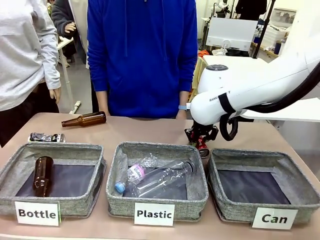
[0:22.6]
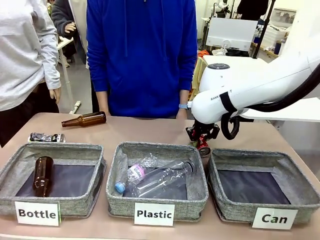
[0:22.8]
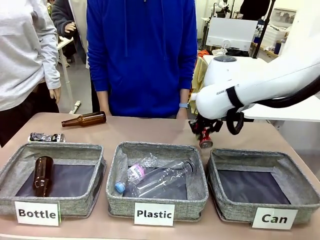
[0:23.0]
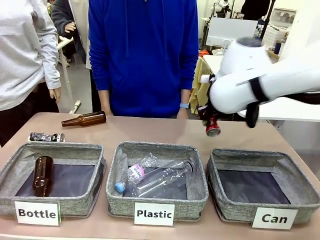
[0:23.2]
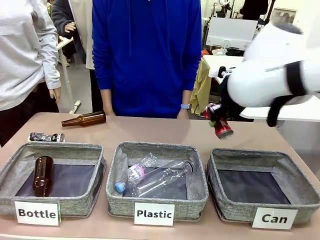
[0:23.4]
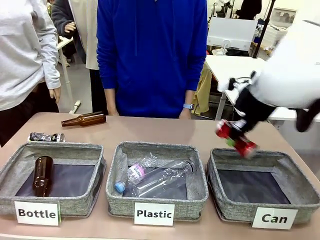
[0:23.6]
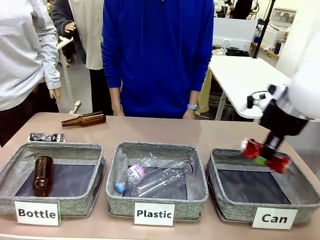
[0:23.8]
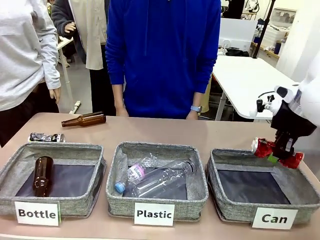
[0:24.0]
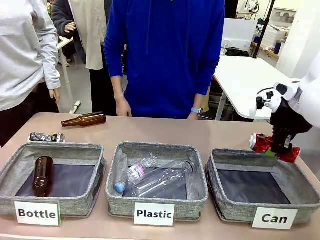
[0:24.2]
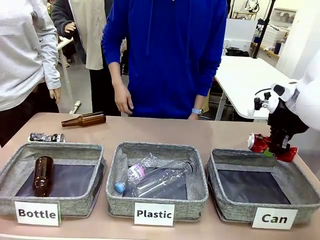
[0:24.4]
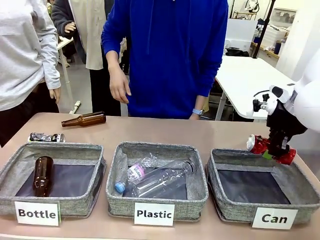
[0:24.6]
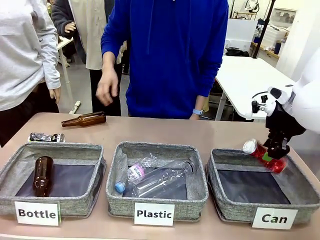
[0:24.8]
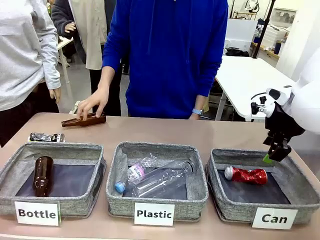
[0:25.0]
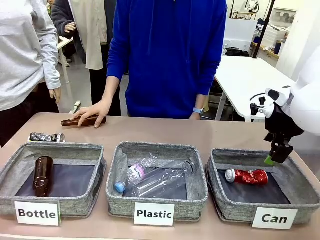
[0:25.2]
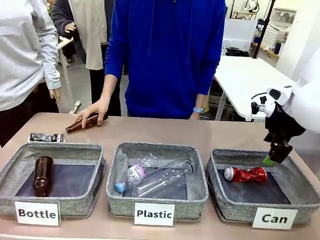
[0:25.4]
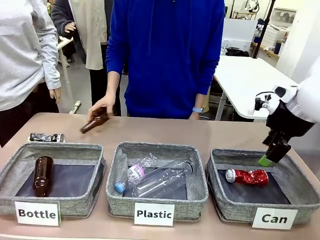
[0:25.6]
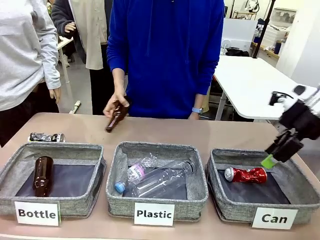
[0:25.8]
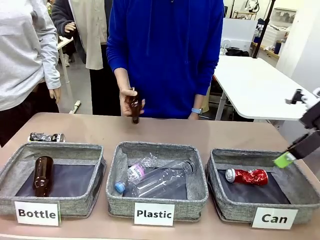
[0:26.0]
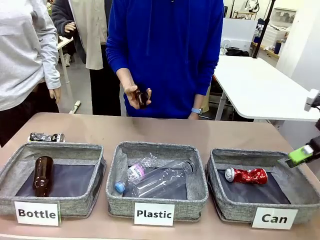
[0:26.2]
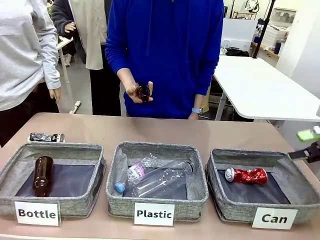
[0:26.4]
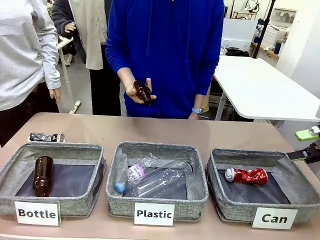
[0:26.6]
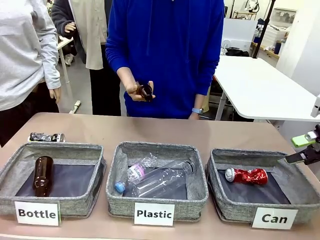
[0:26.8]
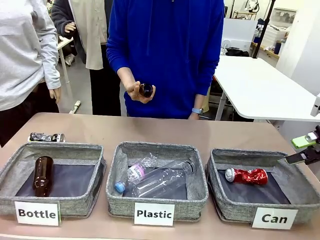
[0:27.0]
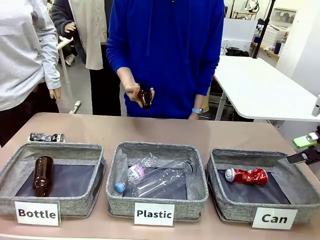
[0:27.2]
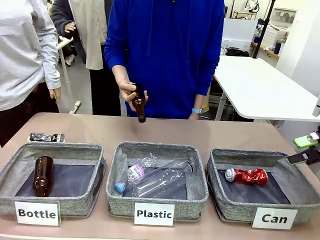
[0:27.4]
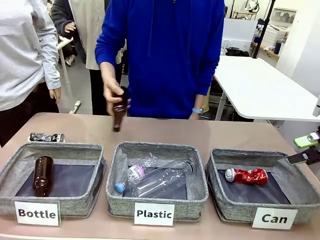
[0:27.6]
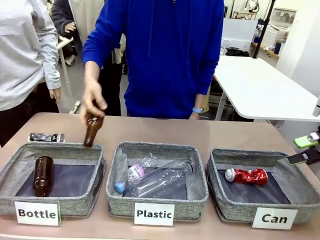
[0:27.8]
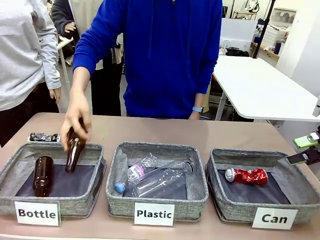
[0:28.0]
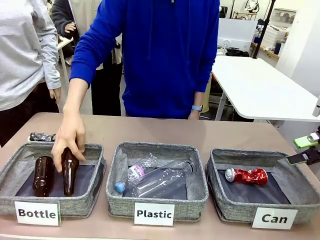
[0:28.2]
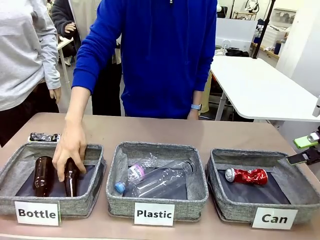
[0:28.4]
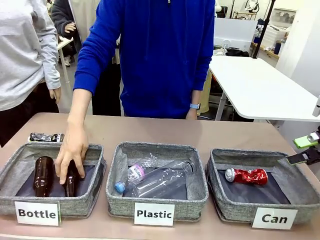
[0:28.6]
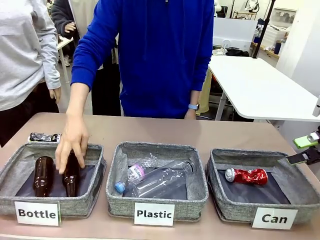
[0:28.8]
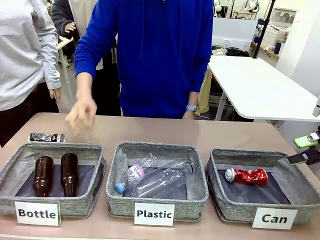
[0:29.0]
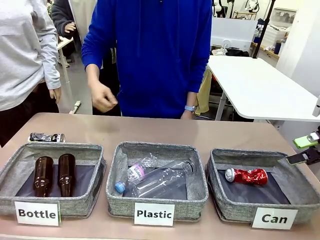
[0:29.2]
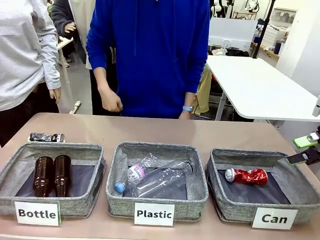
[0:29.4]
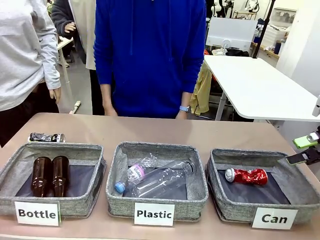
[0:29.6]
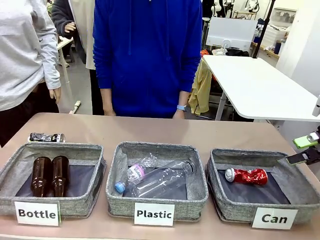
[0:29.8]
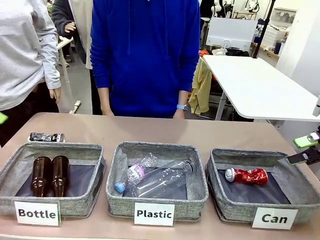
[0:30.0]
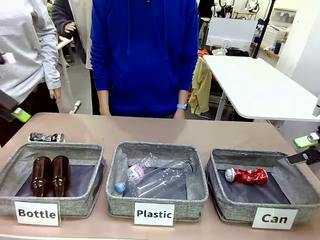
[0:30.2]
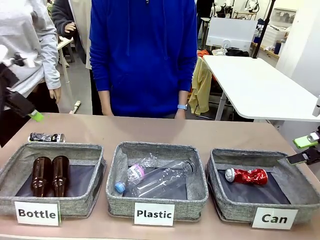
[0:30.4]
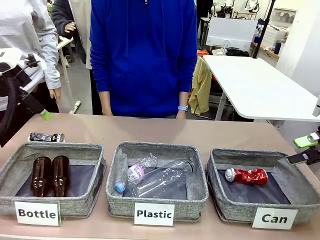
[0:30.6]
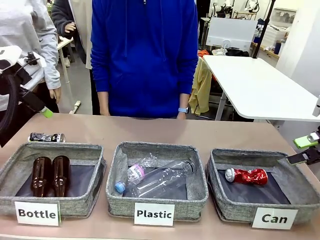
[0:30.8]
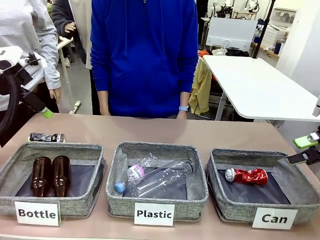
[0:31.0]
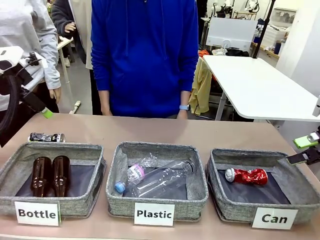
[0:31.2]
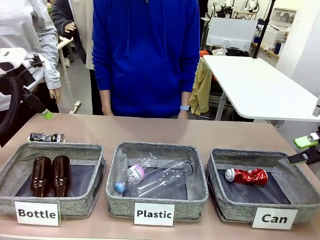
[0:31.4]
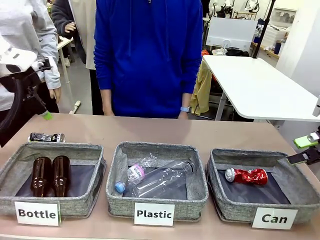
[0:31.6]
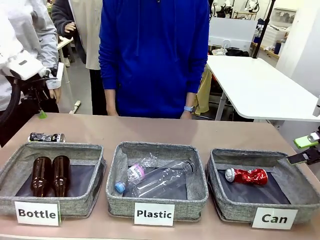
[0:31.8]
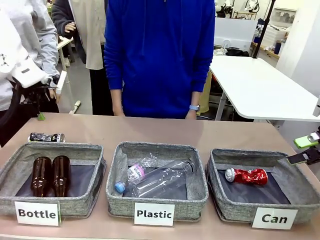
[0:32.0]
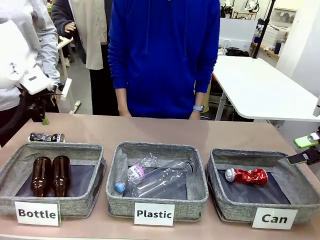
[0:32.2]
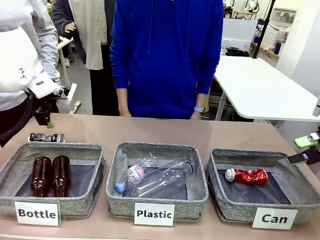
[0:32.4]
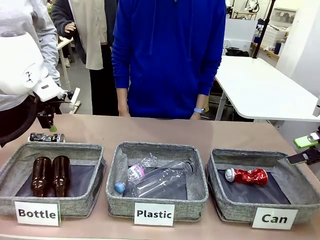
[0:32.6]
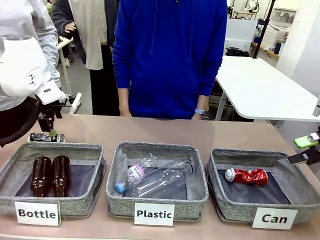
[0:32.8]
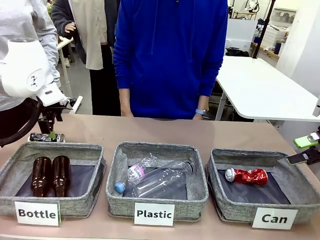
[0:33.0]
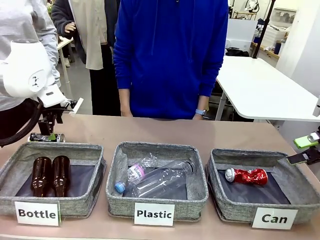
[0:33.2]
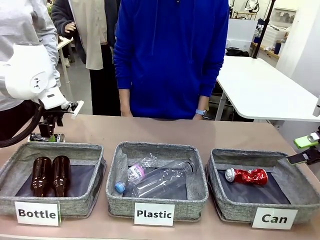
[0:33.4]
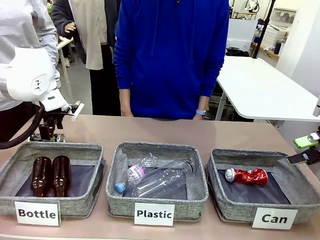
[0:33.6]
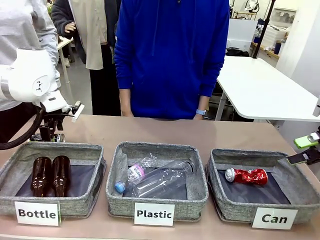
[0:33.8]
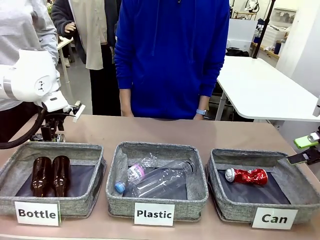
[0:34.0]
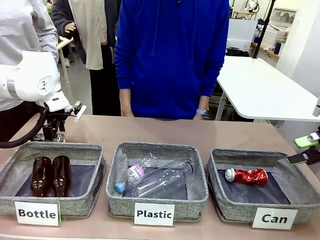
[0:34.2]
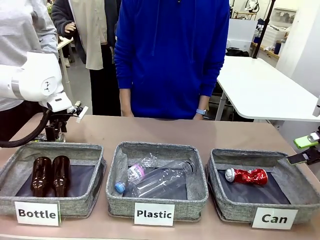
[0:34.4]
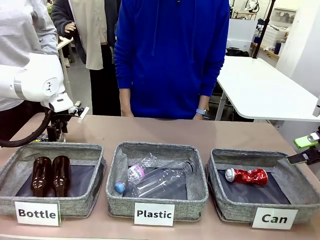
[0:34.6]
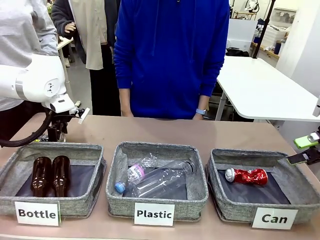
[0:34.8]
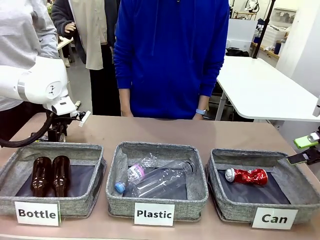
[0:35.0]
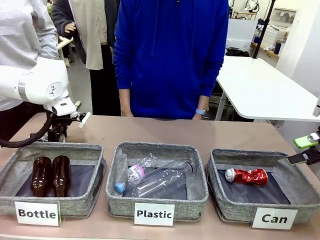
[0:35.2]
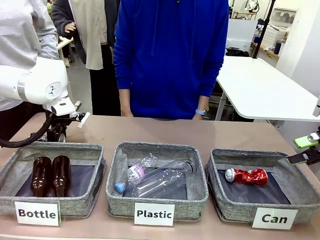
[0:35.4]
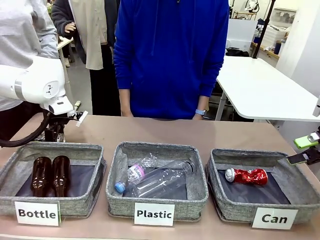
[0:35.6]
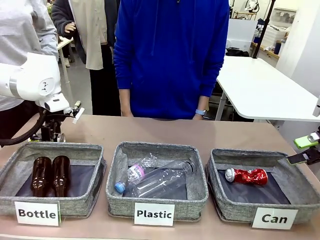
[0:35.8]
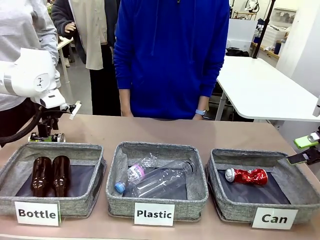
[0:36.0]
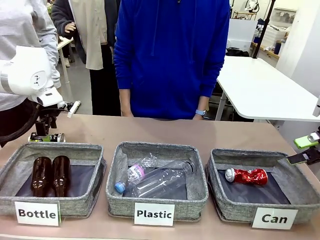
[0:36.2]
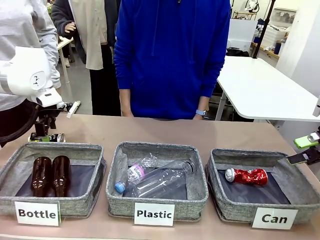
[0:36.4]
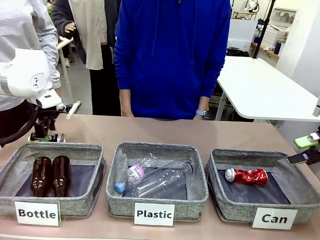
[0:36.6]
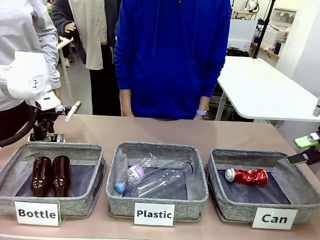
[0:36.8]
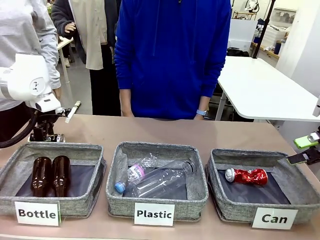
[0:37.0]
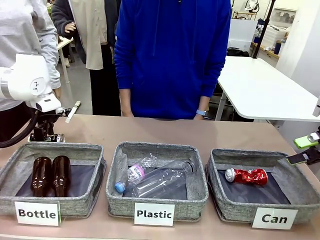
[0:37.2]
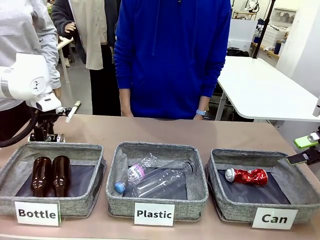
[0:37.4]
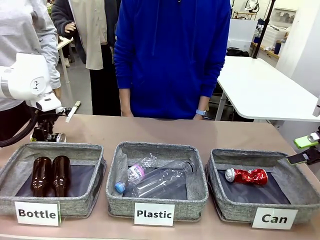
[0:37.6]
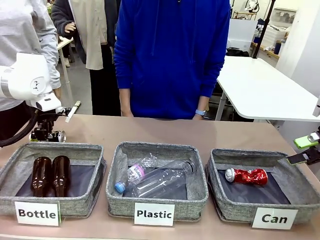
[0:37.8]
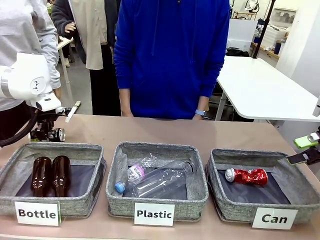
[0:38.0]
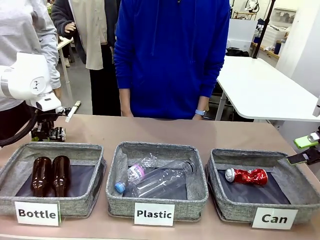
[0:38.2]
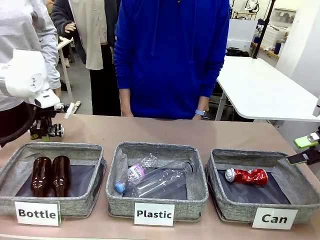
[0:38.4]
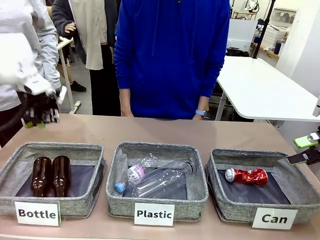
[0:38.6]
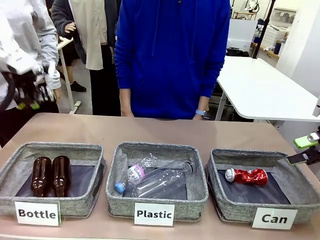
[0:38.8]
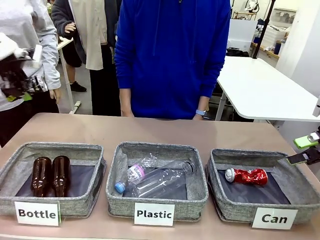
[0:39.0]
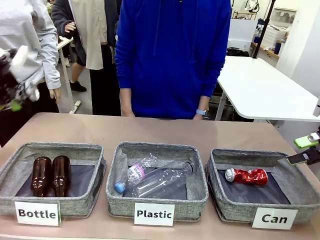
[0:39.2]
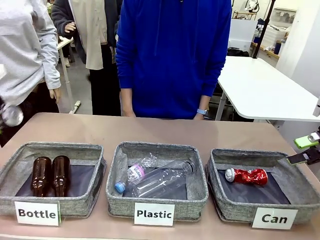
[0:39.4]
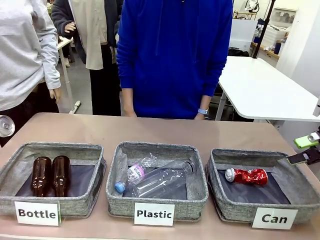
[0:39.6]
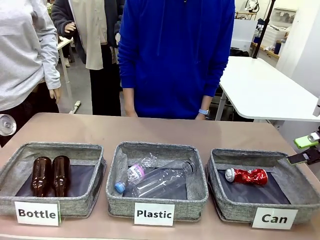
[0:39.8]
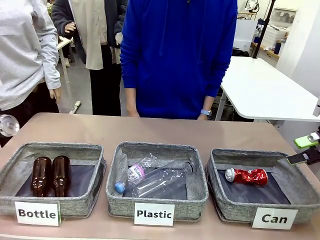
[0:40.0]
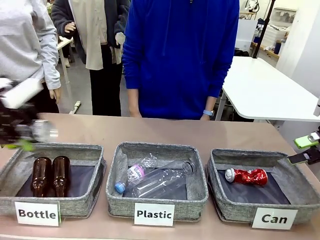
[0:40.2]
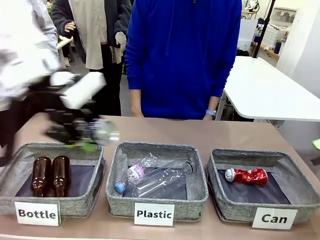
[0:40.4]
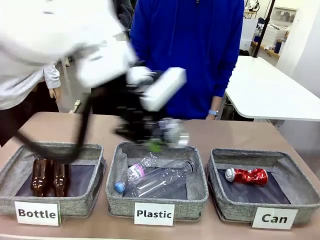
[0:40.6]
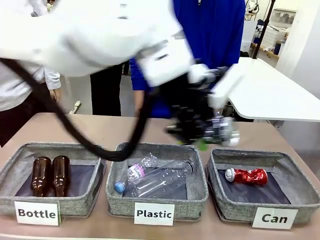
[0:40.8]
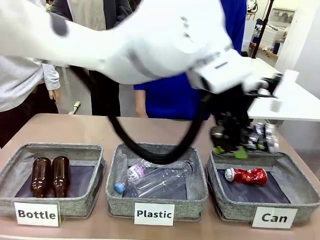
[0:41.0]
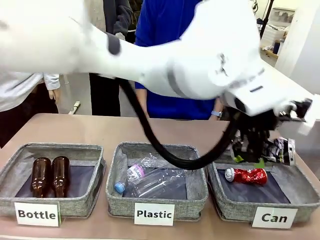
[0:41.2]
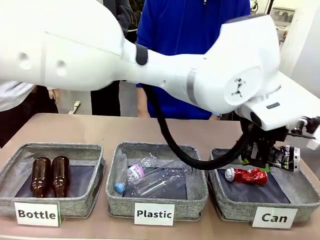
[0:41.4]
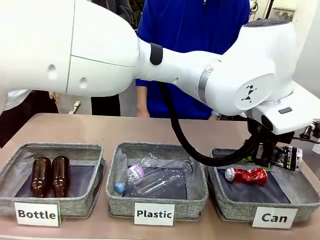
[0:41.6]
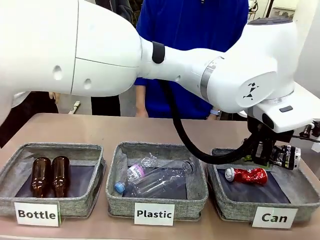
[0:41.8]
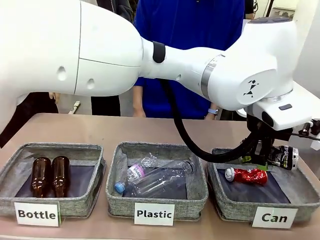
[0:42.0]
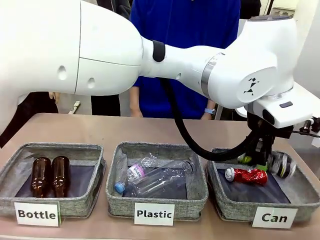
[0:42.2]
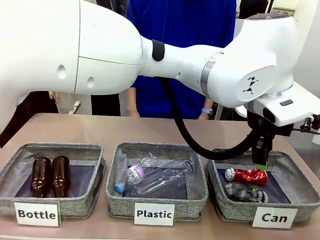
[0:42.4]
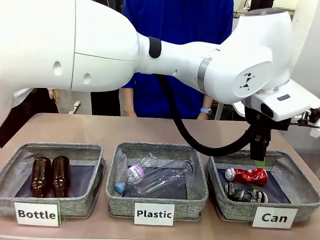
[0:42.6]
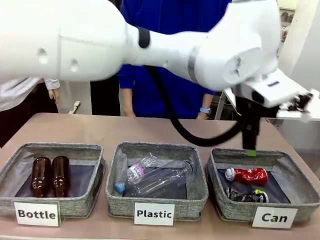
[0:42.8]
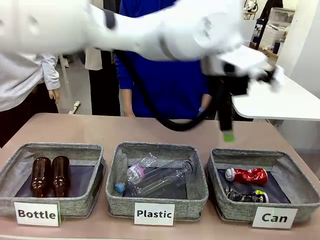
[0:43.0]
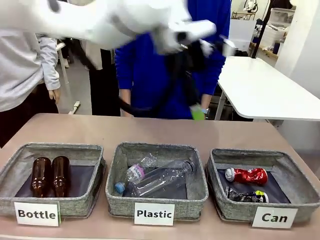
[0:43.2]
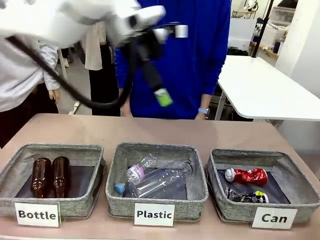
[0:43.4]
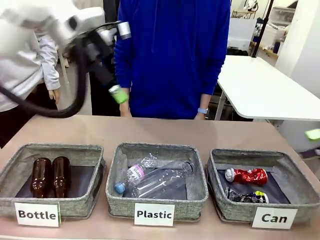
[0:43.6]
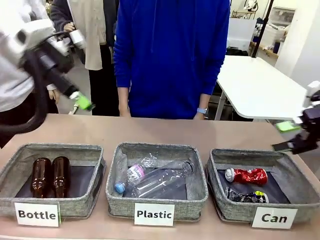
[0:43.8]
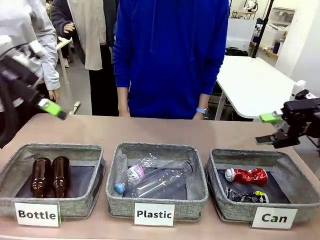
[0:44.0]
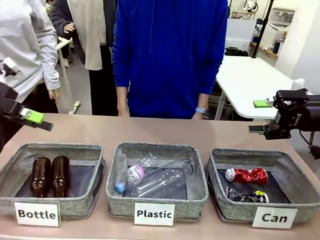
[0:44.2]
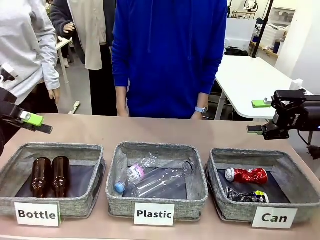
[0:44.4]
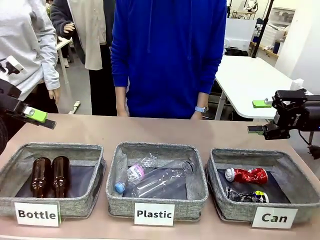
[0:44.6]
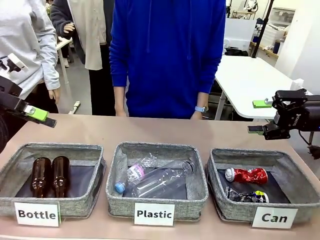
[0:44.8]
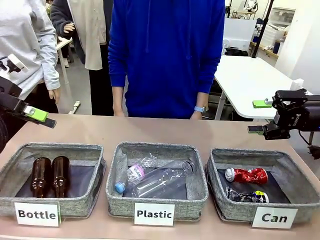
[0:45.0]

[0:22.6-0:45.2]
Task: Sort the can waste into the basket.
Robot: Pick up the can waste from the table and place it in the right Fabric basket.
